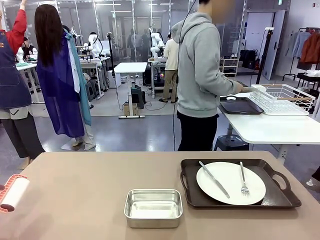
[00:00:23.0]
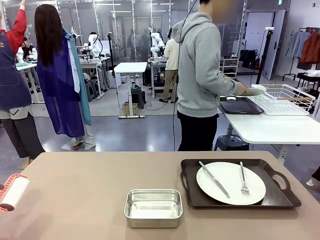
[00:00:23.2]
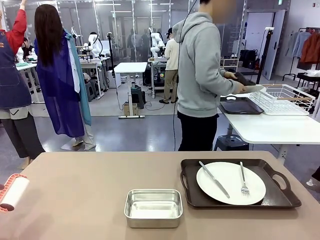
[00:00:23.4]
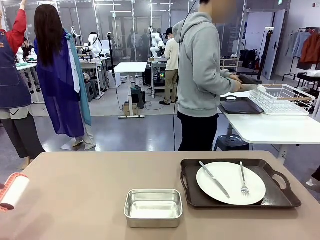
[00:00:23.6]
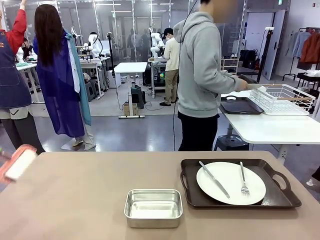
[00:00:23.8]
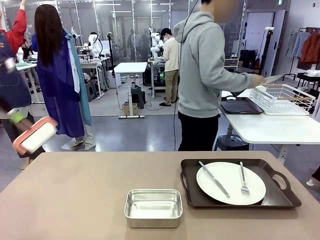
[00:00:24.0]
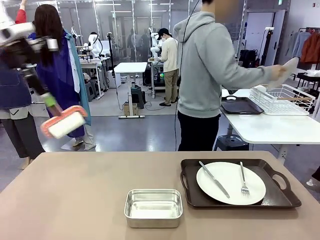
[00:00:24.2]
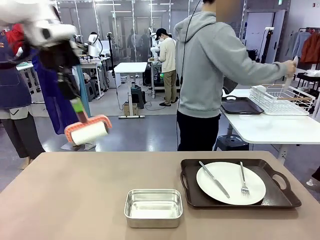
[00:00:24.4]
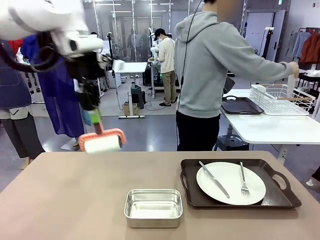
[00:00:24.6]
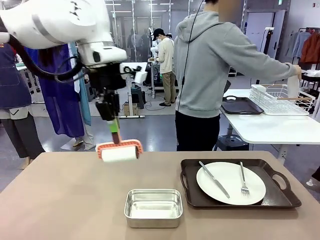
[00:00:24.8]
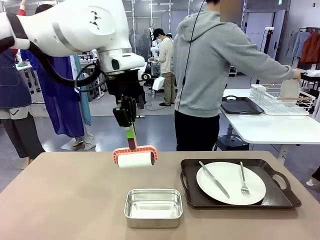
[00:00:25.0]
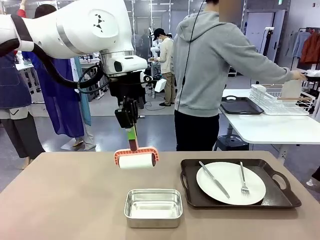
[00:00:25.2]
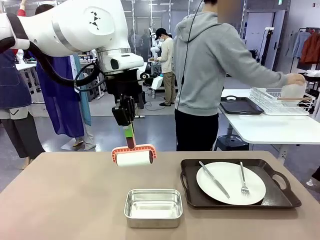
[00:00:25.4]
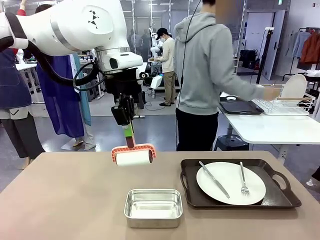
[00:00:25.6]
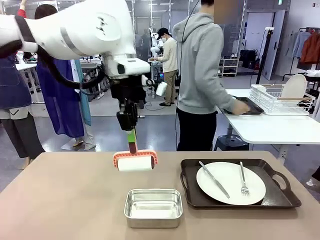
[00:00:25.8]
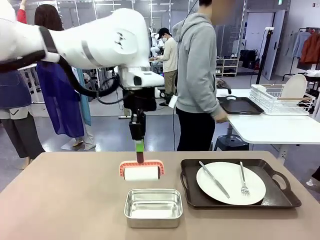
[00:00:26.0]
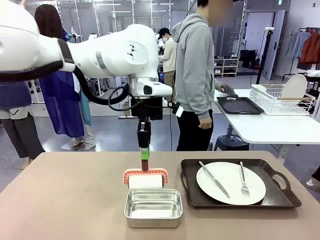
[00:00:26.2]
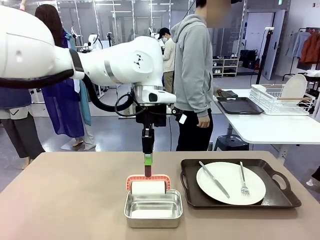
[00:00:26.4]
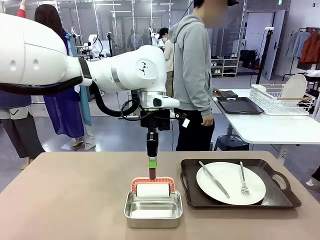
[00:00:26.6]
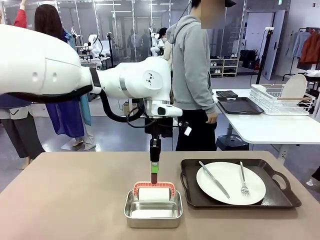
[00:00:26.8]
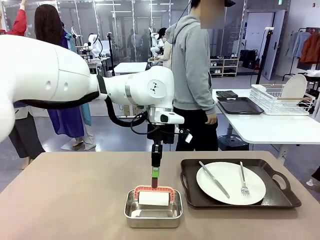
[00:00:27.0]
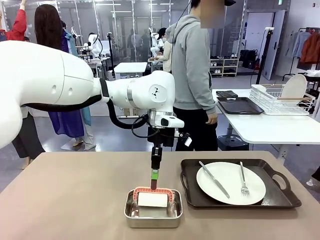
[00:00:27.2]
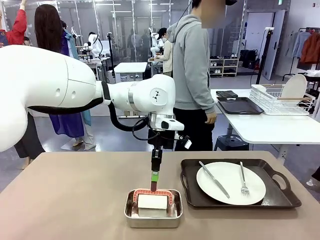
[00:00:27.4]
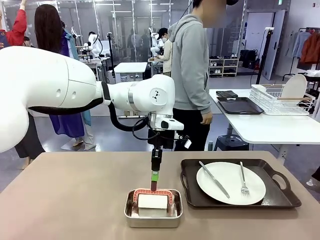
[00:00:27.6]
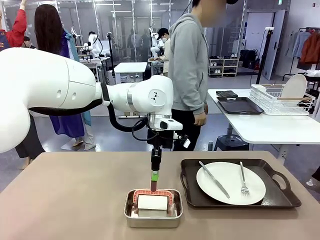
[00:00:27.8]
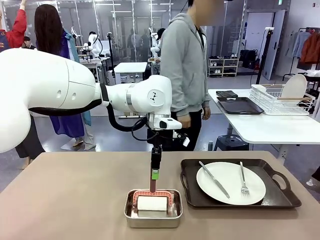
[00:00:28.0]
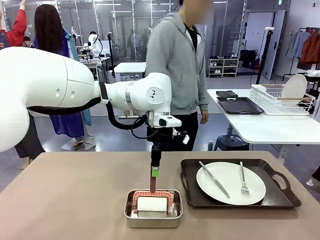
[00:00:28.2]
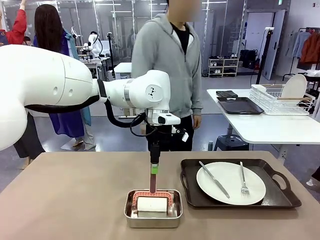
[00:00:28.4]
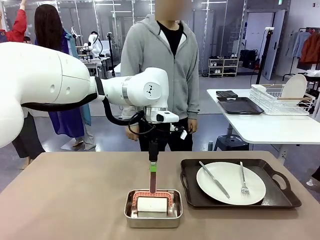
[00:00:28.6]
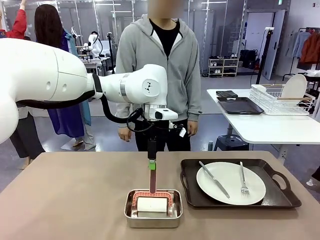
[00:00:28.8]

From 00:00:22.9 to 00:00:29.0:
Robot: Place the Lint Roller back on top of the Airtight Container.

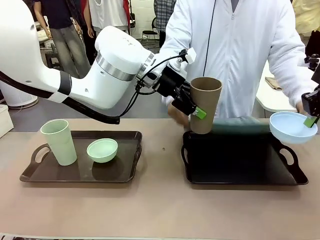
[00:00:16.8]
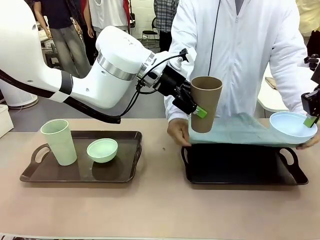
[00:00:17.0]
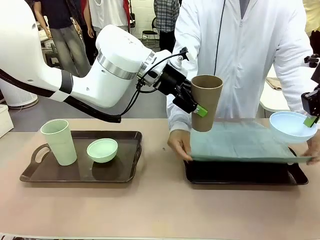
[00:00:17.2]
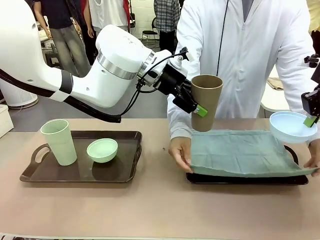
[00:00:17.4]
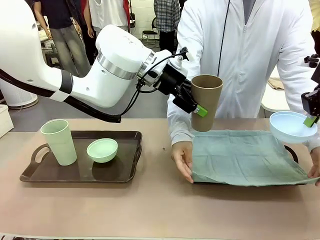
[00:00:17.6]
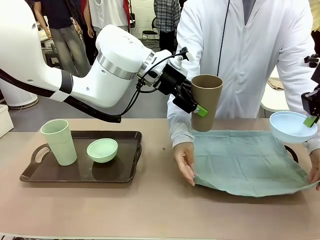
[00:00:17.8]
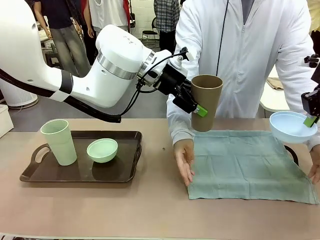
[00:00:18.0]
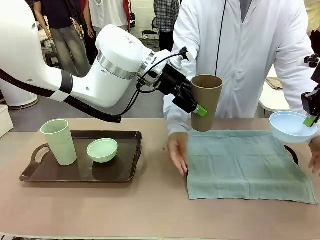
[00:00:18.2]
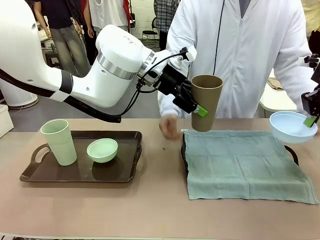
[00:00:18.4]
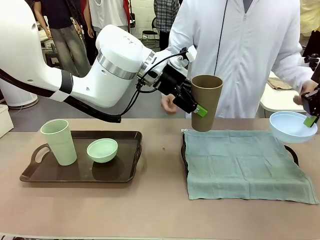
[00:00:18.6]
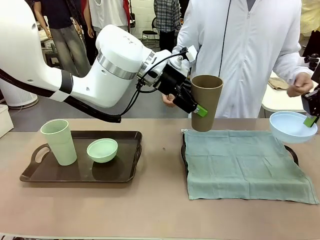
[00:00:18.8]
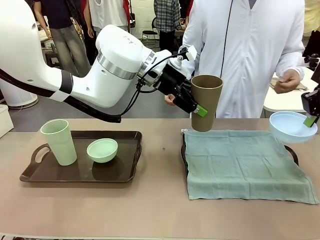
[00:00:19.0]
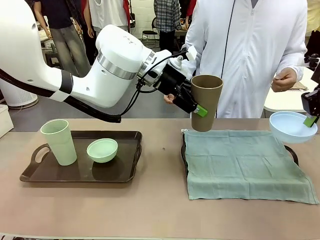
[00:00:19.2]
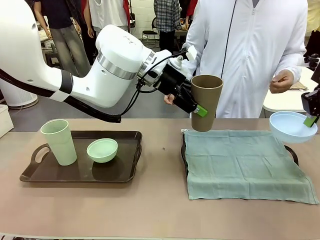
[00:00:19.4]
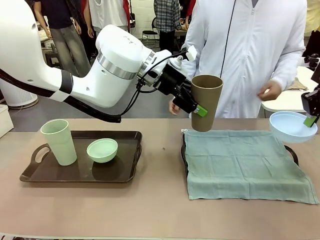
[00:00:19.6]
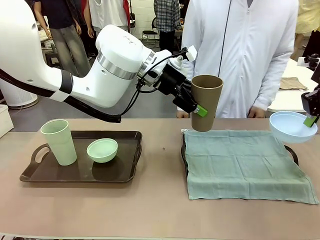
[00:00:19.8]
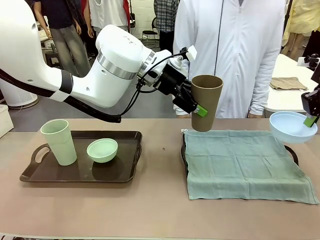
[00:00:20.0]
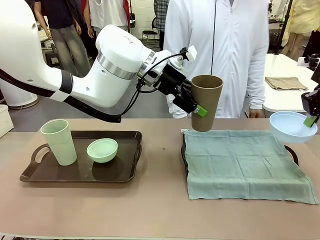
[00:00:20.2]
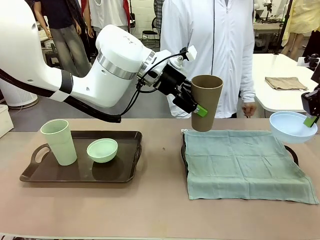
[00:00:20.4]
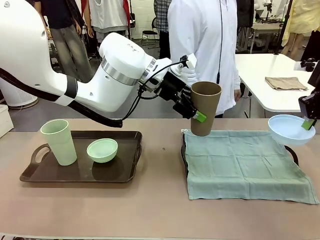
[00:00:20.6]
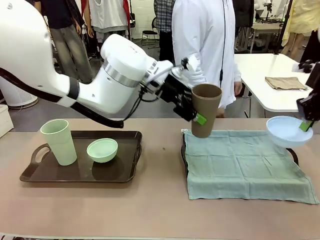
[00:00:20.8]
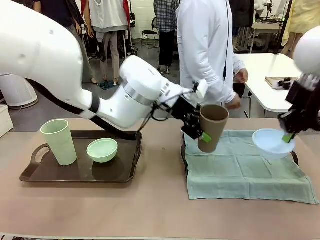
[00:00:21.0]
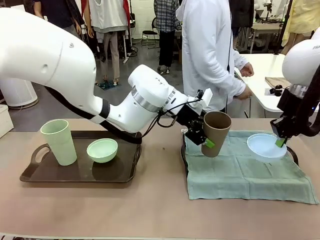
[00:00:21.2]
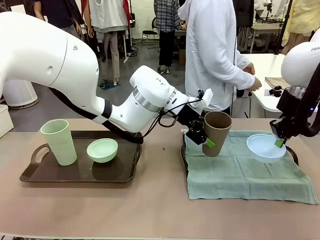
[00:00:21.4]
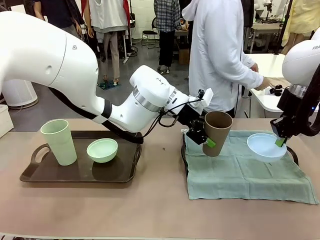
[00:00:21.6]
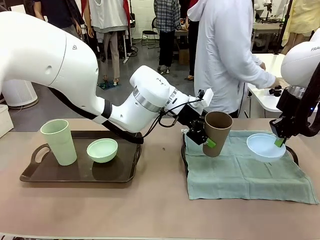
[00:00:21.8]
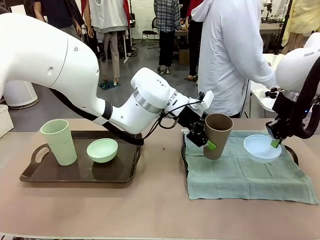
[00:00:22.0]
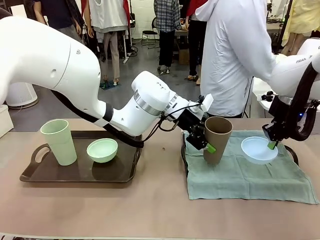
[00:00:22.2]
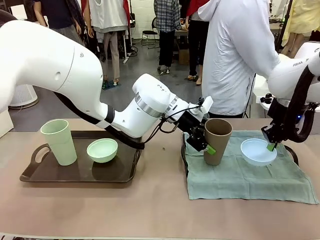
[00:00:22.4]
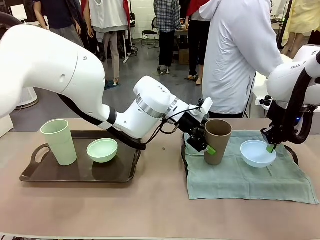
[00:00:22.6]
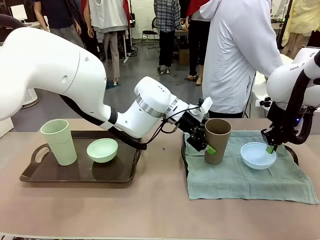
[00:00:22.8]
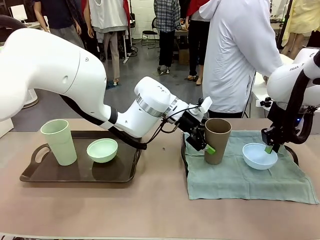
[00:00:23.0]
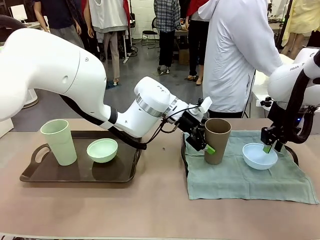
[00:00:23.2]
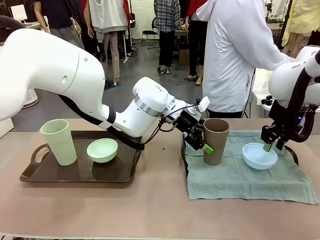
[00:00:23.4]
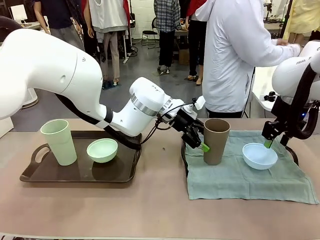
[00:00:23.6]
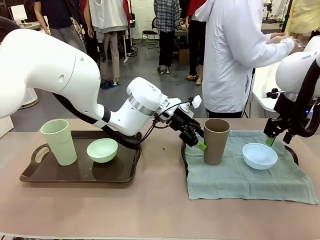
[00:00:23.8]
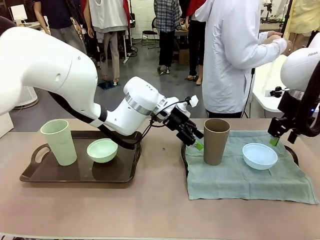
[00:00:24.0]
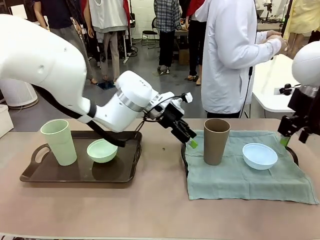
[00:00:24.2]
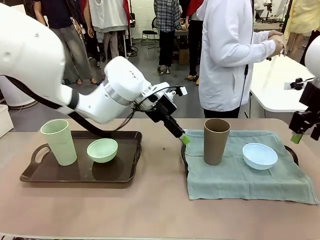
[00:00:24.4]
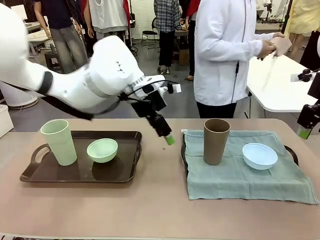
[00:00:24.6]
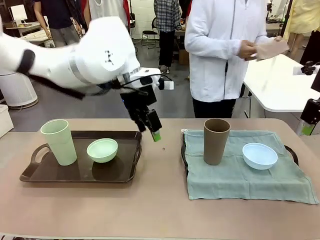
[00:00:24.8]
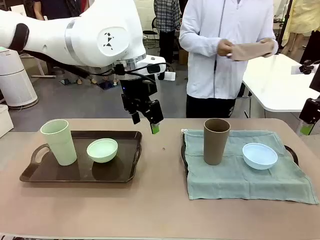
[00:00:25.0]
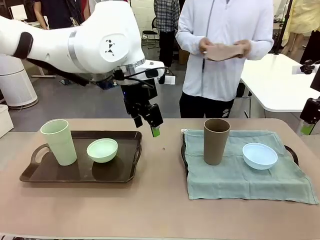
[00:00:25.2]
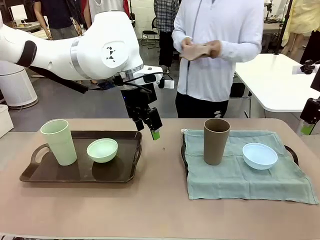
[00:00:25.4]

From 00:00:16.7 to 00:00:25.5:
Robot: Place the Picnic Bowl and Reusable plastic cup back onto the Handle tray in front of the human's position.
Person: The human returns to the human table to pick up another napkin and walks to the robot table to stand in front of the tray without a napkin.
